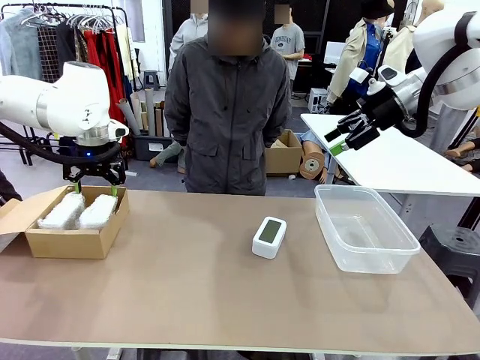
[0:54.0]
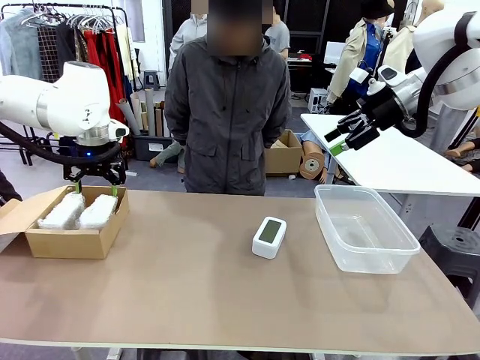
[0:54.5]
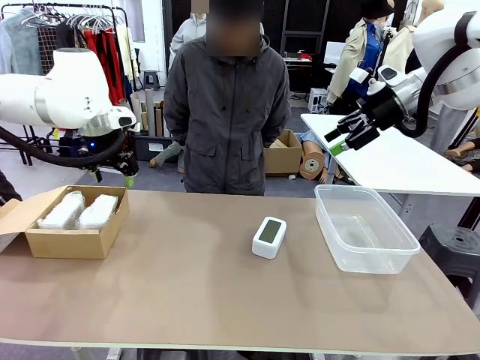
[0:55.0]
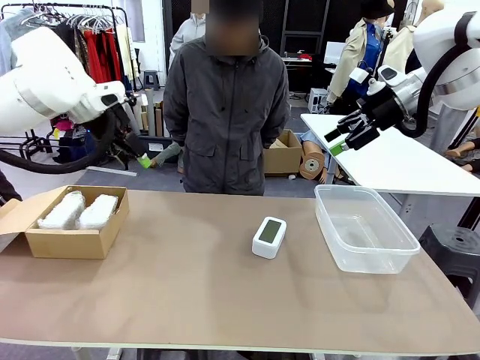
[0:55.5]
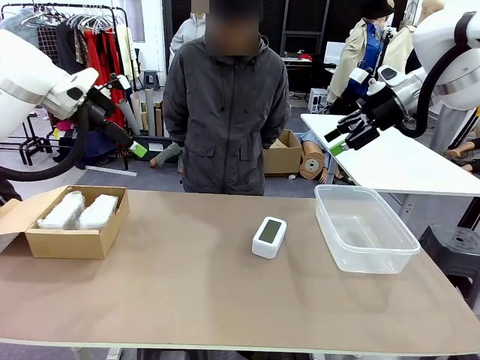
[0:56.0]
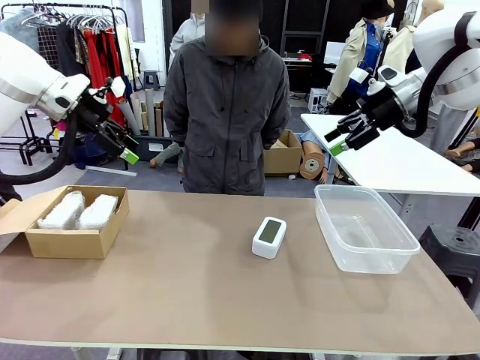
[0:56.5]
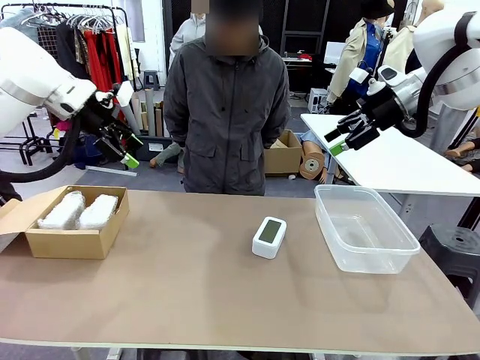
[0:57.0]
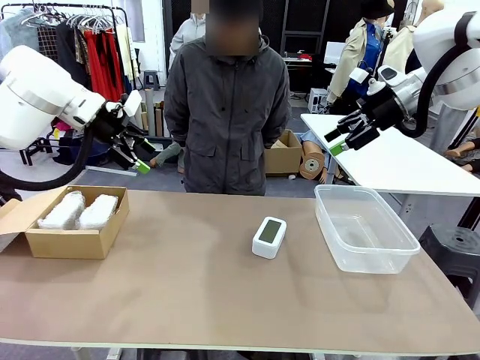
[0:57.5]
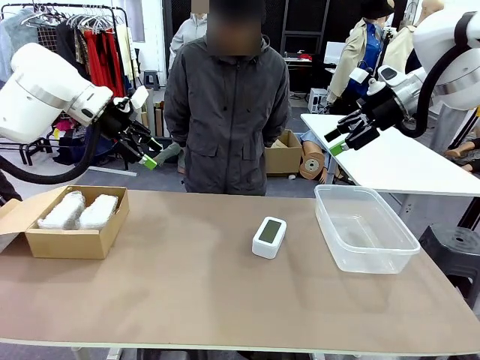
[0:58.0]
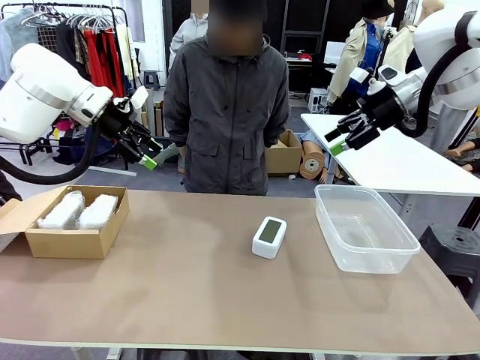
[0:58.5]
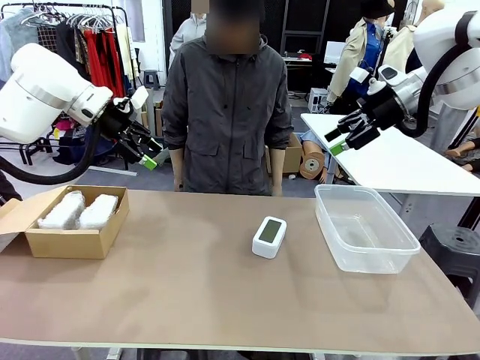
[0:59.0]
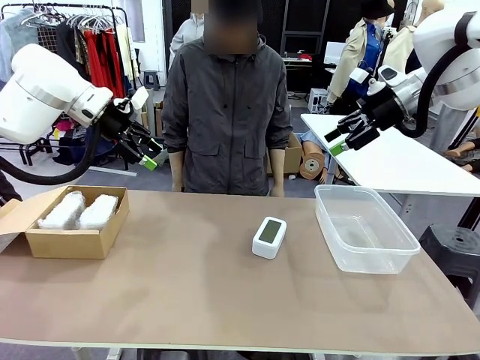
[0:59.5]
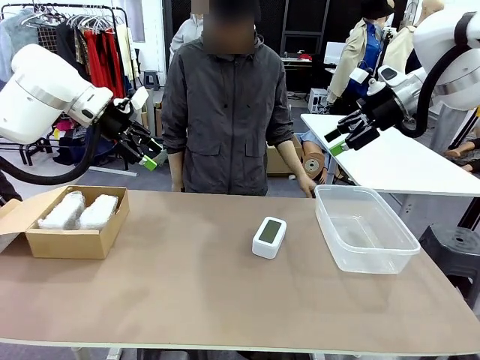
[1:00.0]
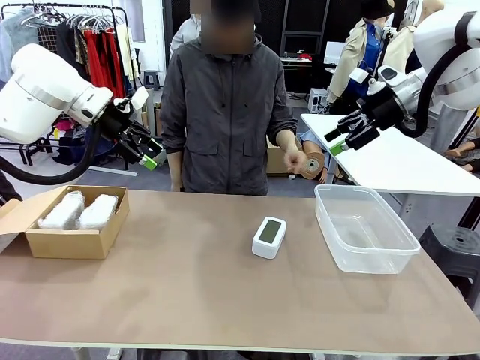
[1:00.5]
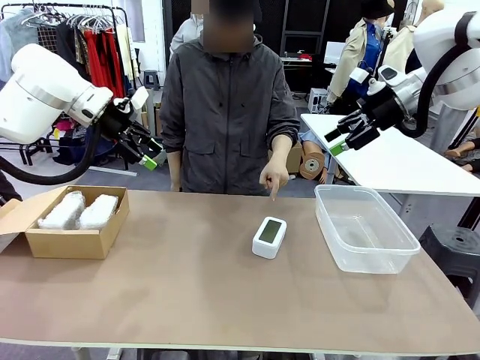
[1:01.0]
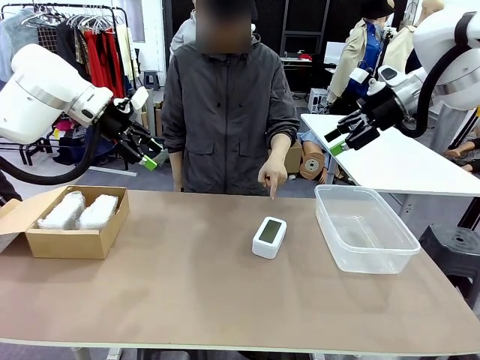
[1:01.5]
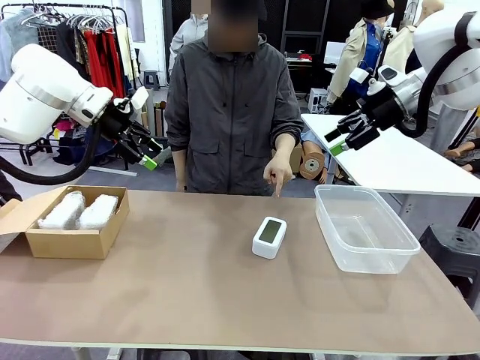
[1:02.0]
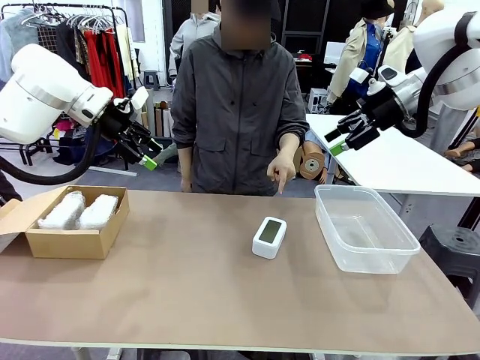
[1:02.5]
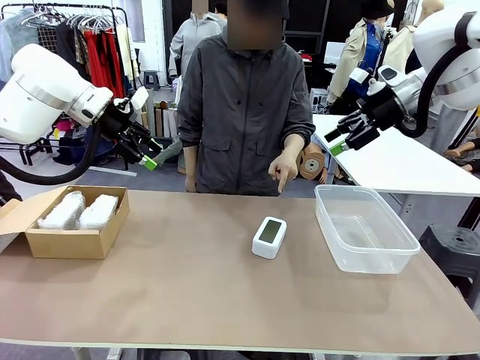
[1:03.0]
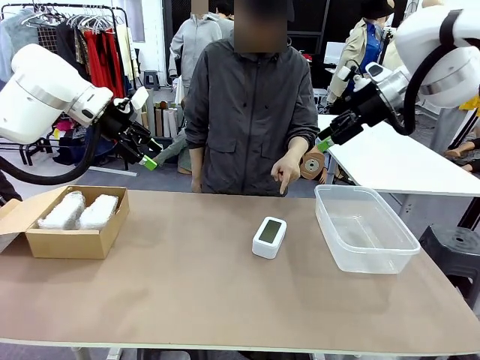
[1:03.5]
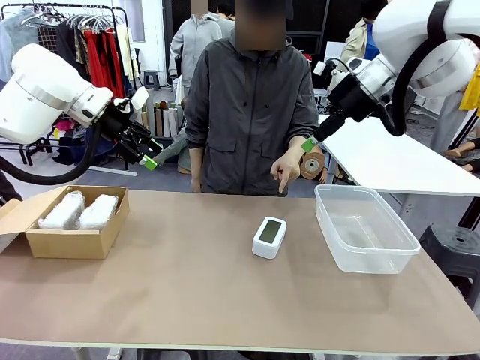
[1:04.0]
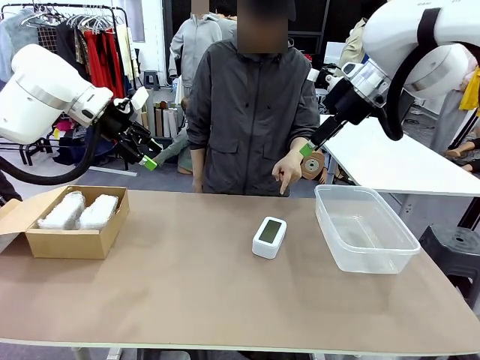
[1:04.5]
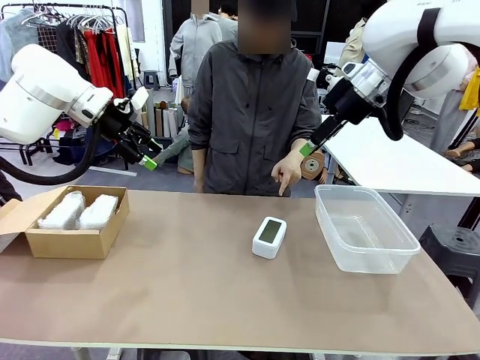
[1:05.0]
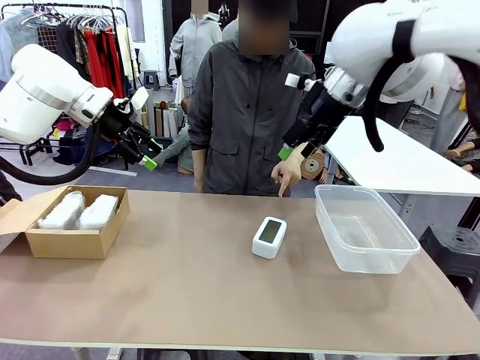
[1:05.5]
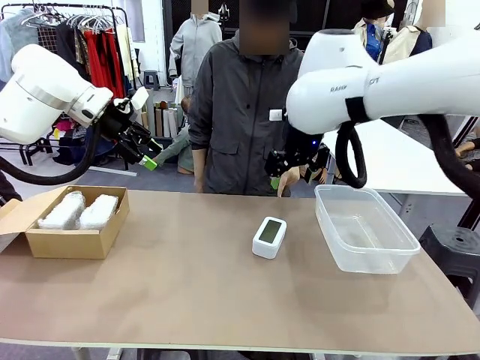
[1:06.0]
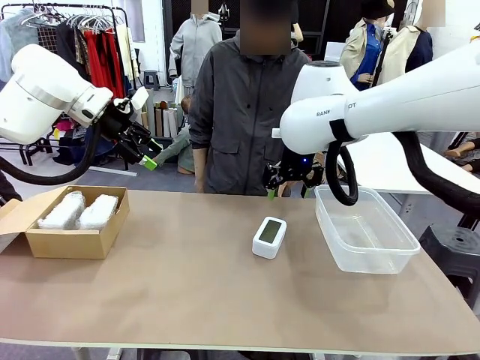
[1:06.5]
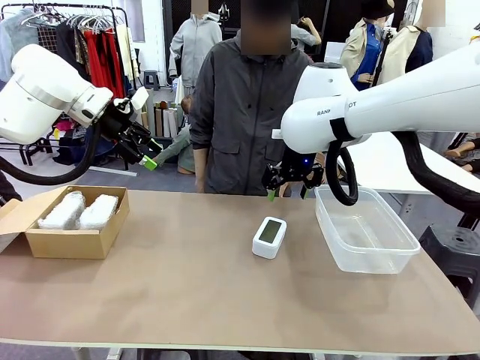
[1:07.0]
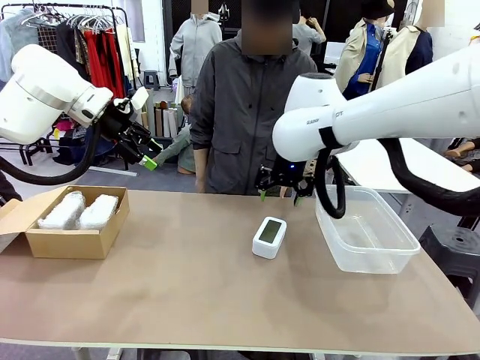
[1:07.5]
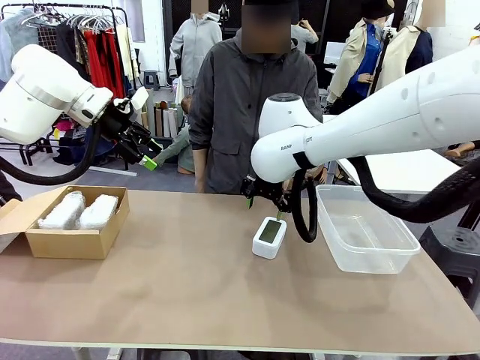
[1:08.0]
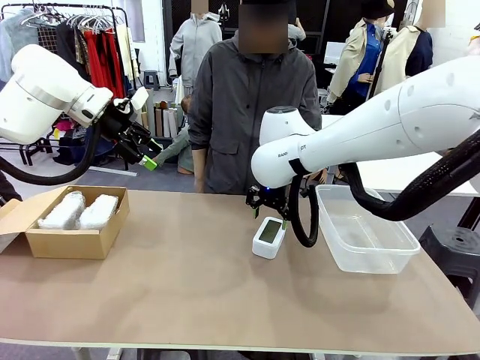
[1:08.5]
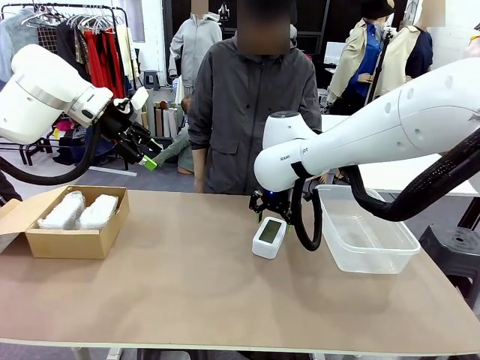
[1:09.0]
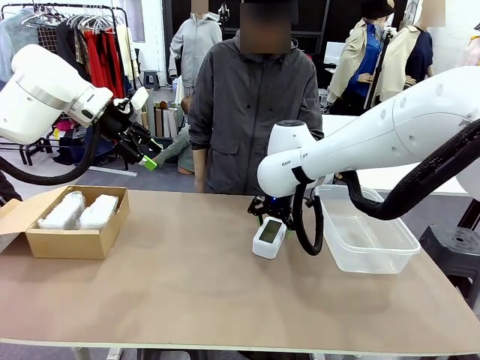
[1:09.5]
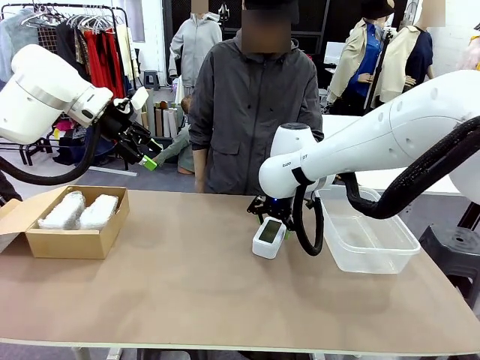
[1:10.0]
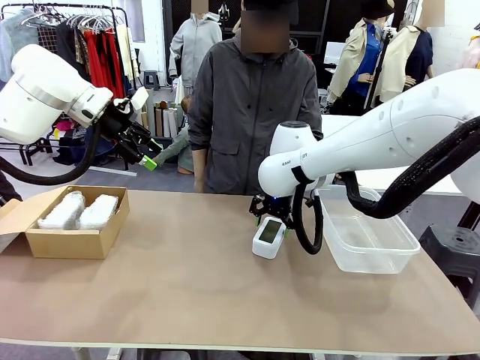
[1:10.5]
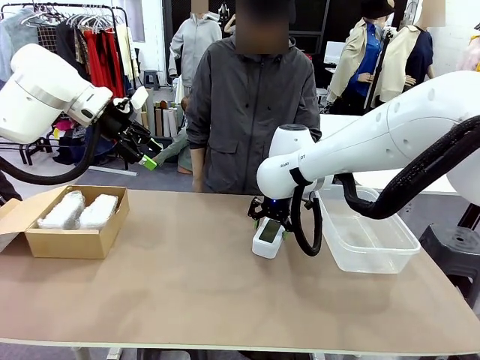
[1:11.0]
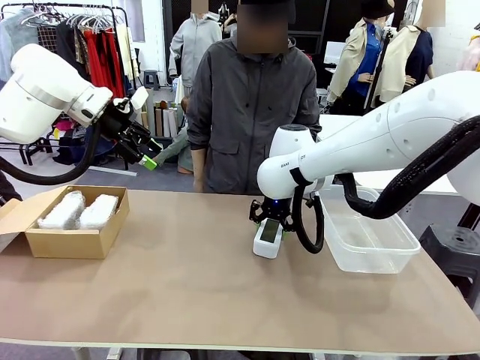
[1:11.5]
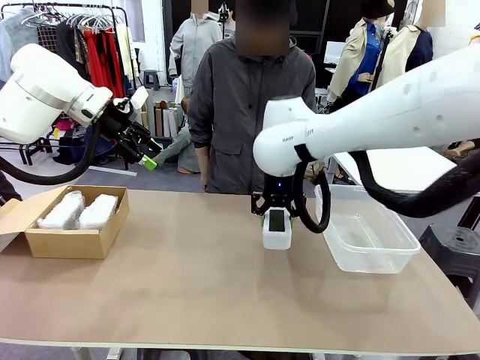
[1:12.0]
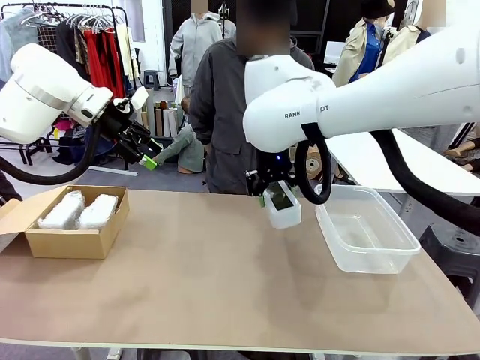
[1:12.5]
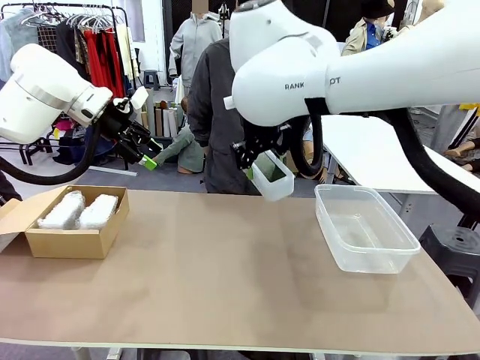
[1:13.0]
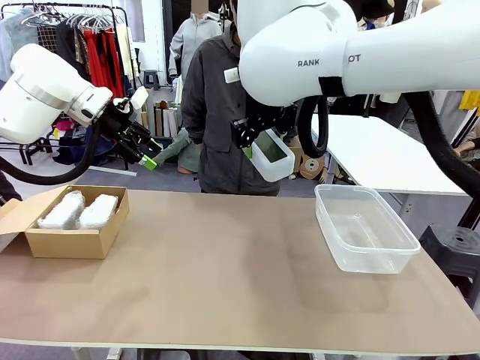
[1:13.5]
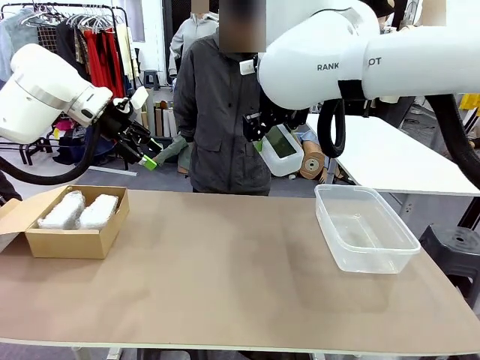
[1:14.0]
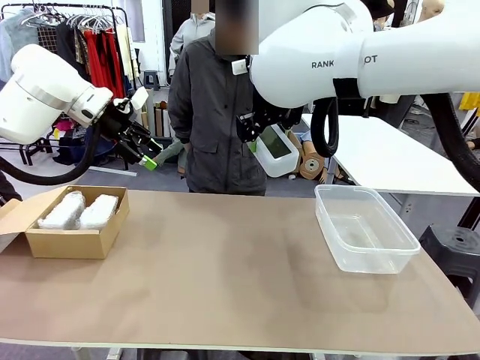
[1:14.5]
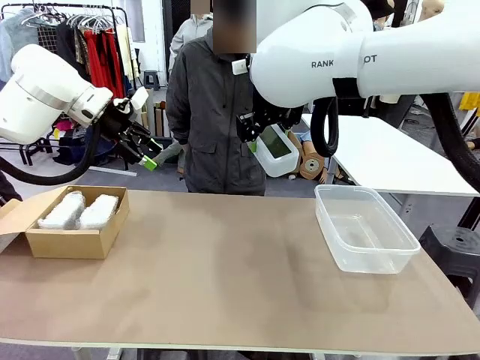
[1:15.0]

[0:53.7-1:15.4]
Task: Separate and place wrapped and unwrapped clocks.
Robot: Pick up the Digital clock indicated by the person.
